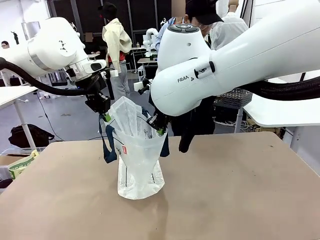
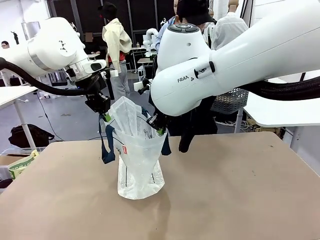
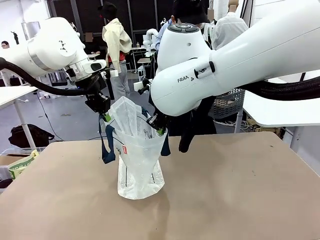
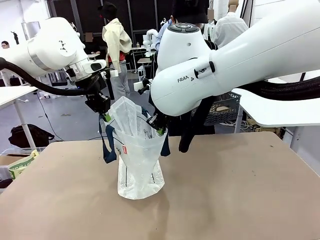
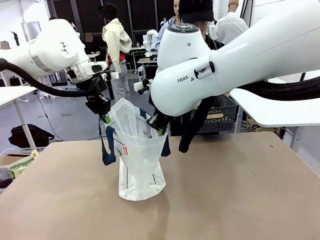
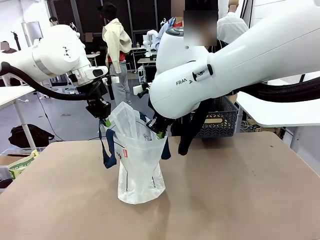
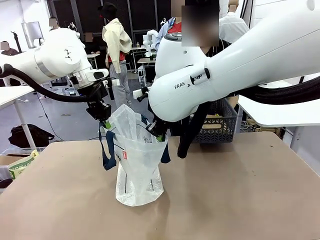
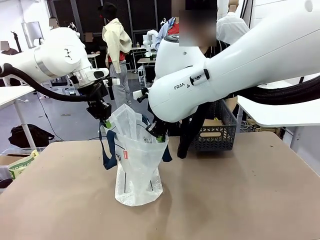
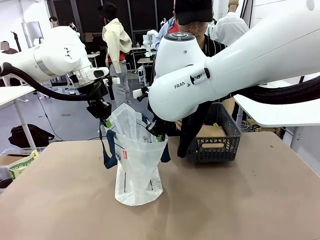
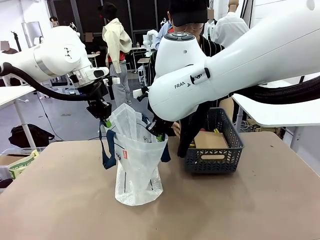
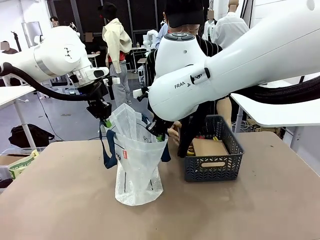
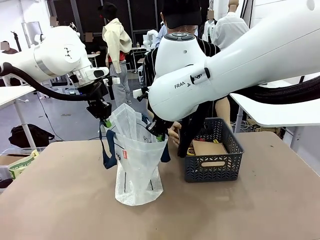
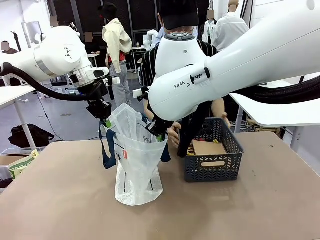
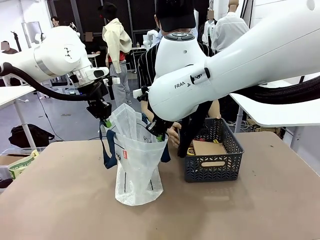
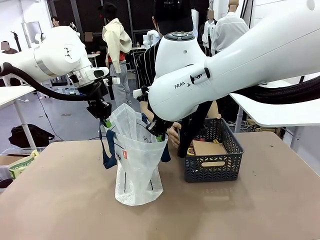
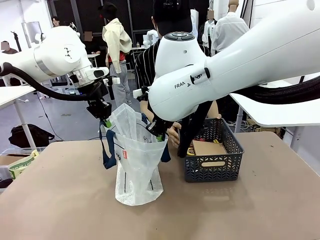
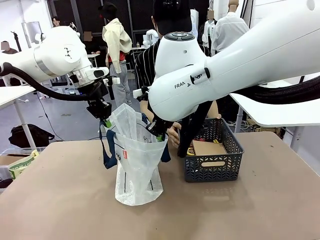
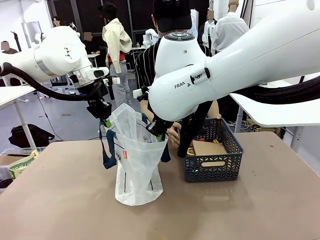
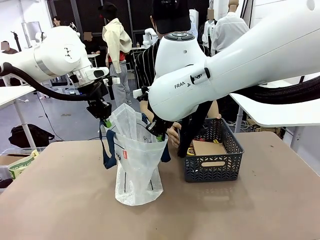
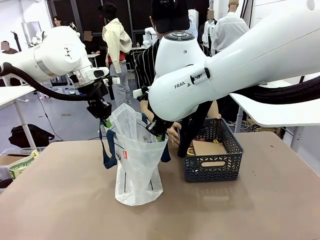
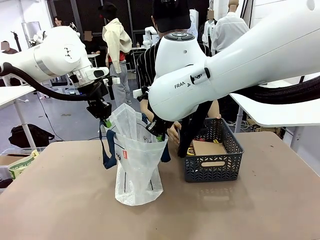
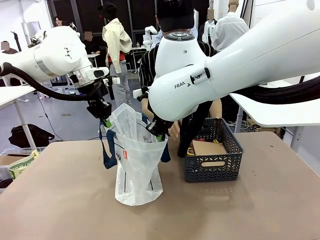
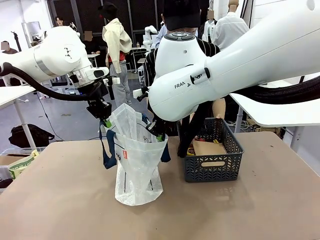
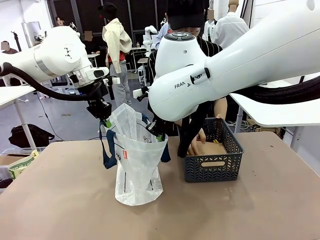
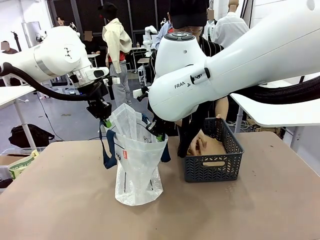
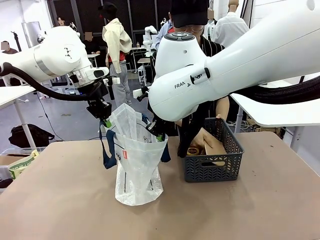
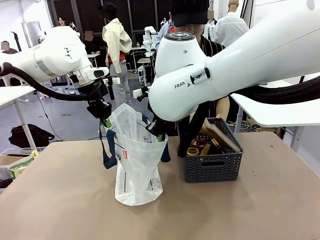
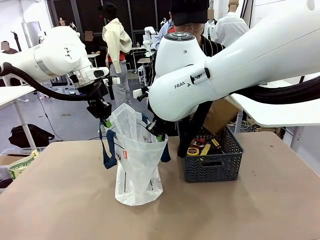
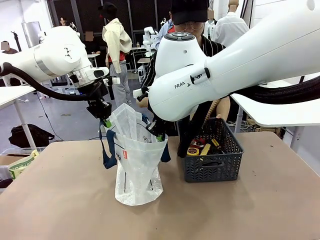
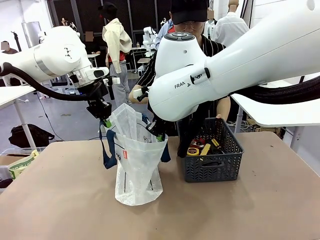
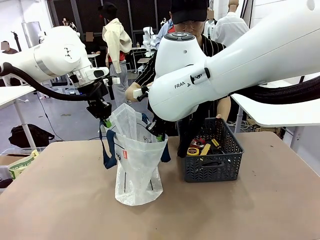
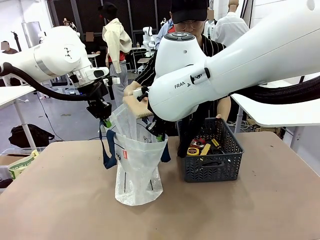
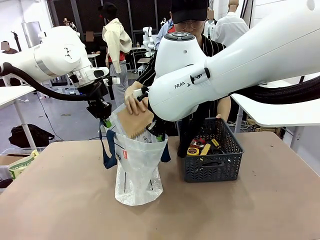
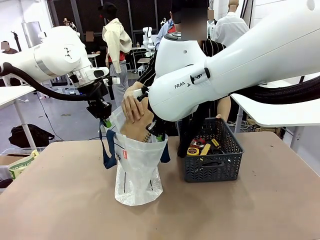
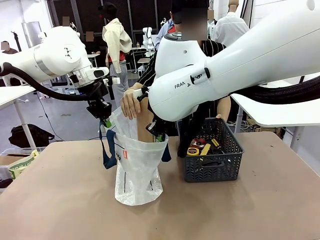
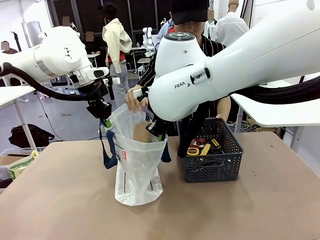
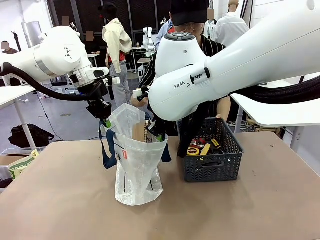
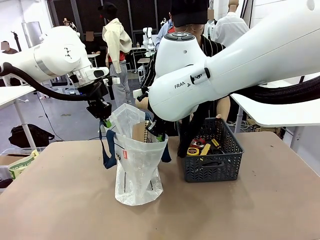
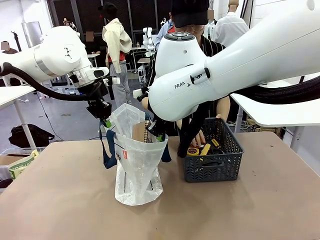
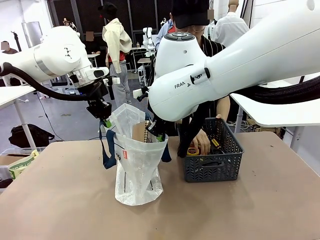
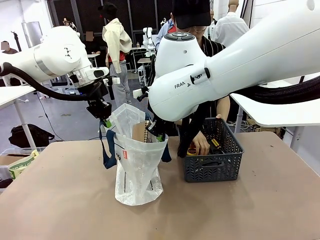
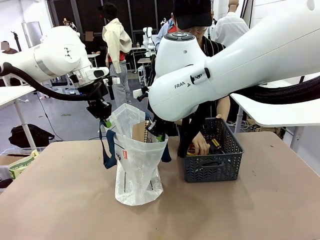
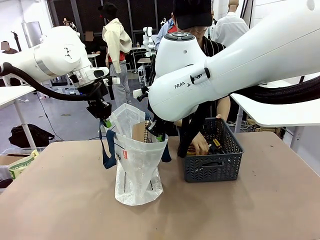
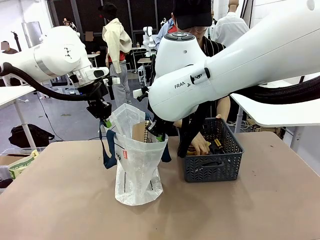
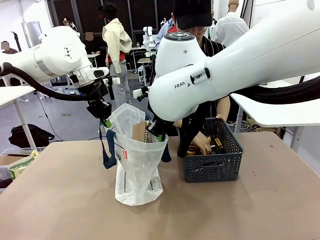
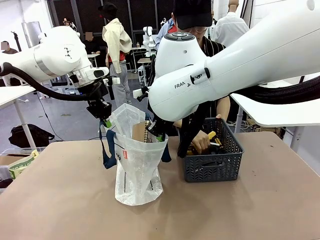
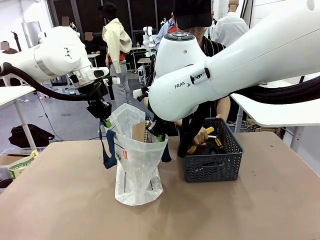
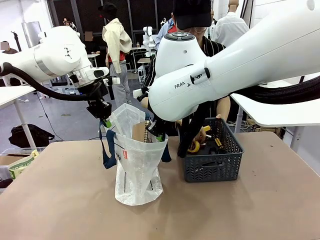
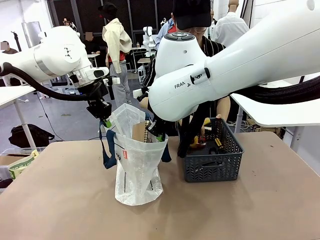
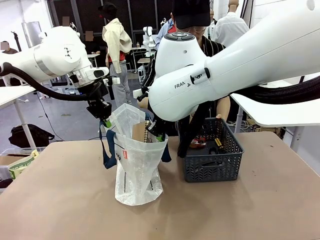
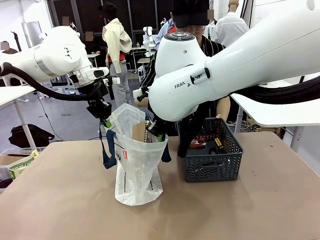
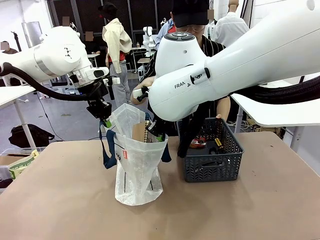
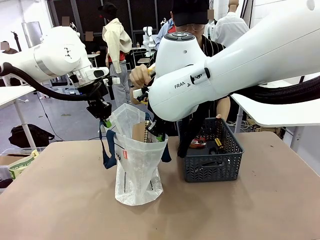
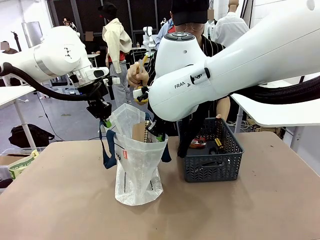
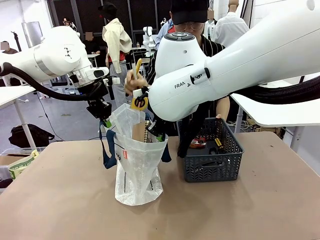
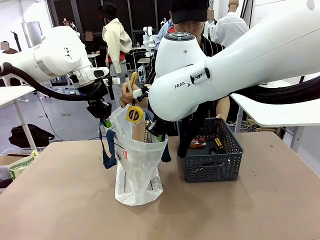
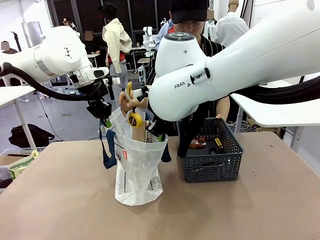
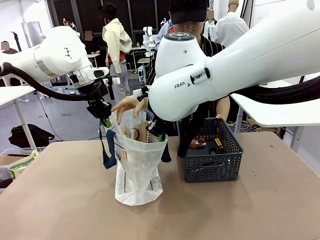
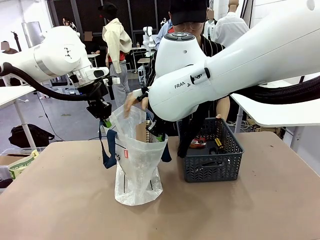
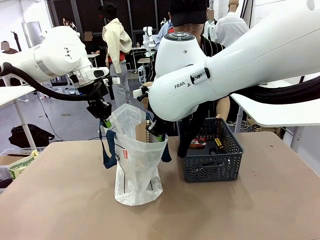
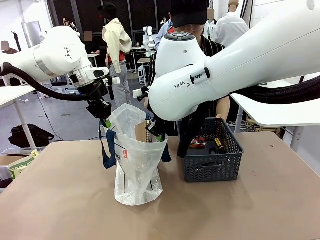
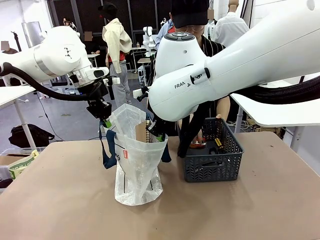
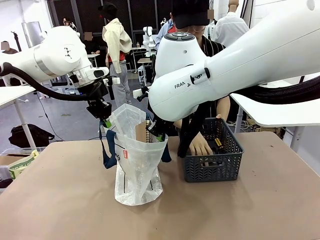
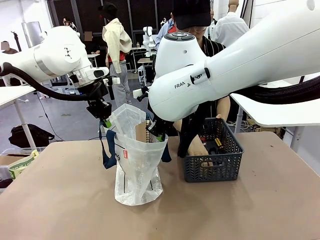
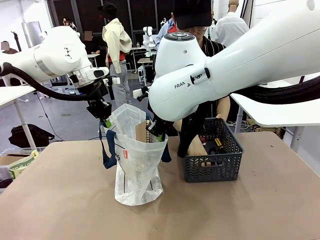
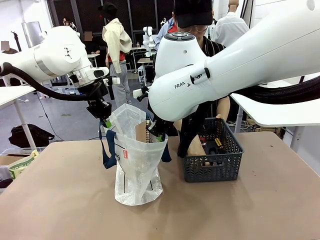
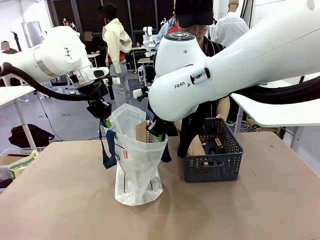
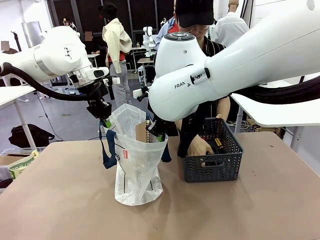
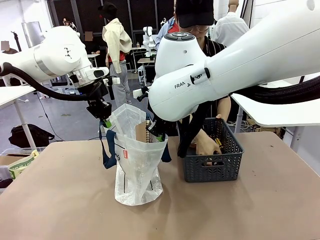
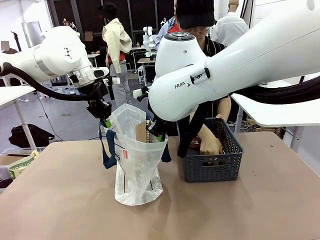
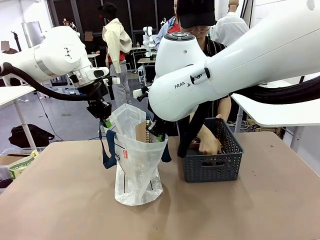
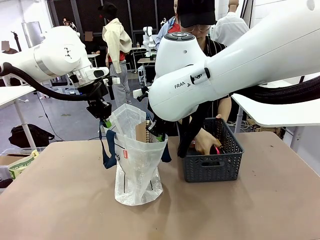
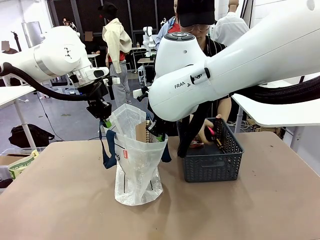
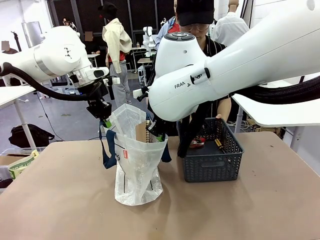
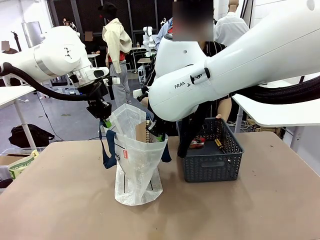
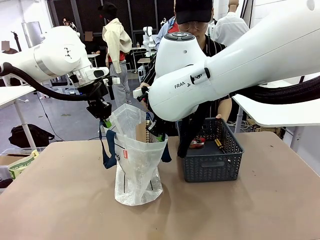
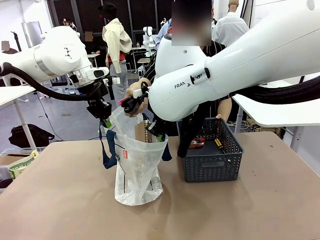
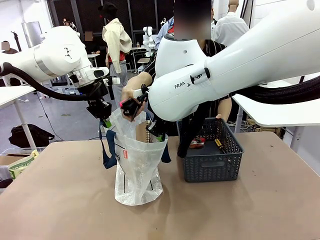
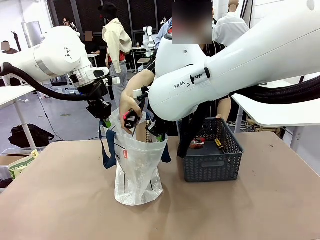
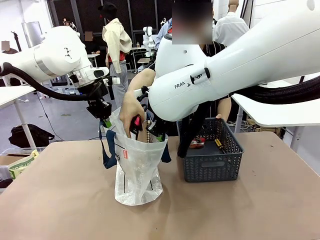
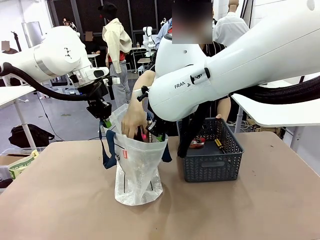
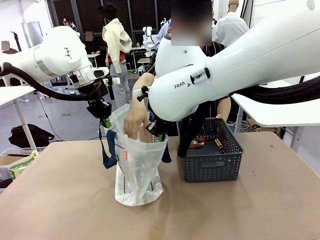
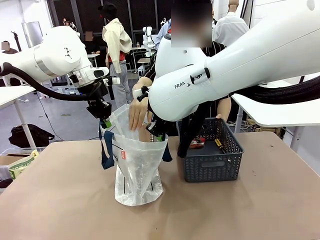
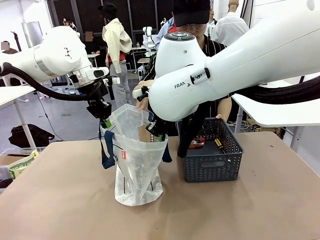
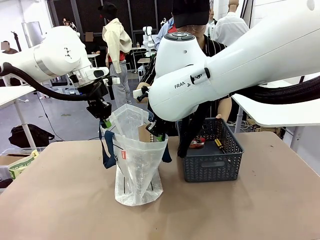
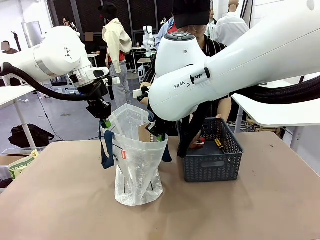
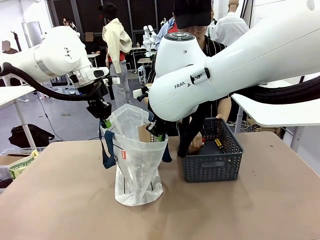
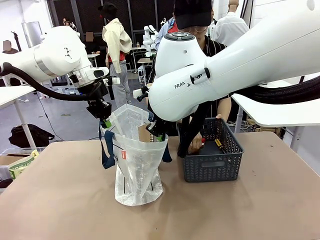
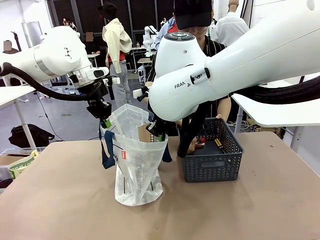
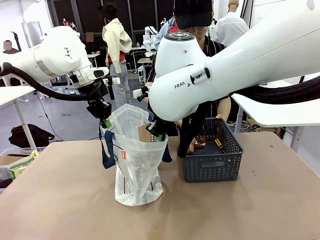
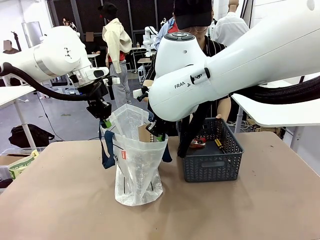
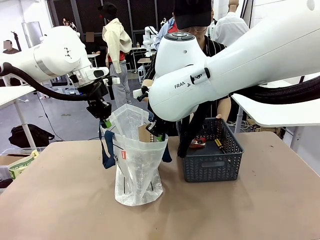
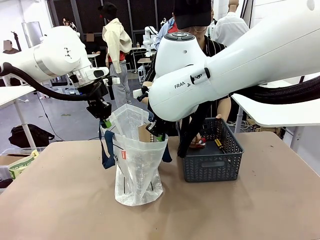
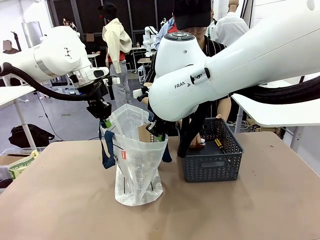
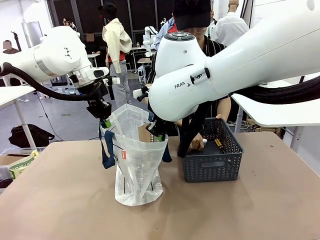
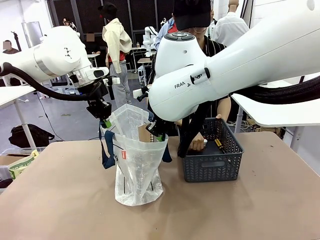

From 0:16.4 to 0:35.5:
Task: Transfer purchased items from the store into the shopping bag.
Robot: Move the Reusable shopping bag to the right side of the table.
Person: Pick up the basket with the items out and place it on the right side of the human table.
